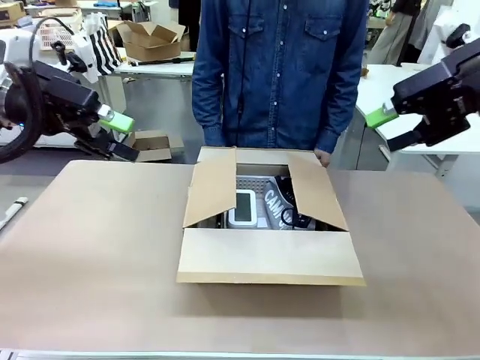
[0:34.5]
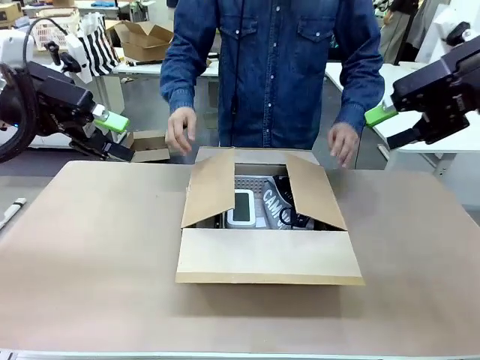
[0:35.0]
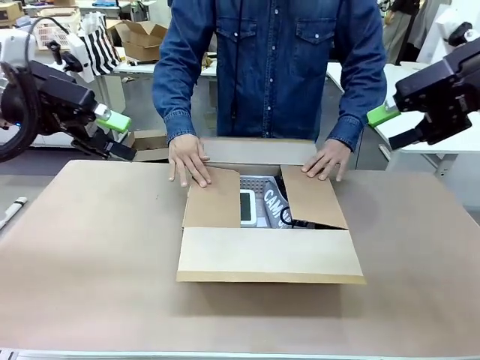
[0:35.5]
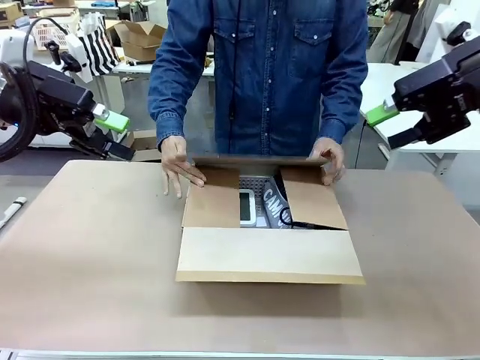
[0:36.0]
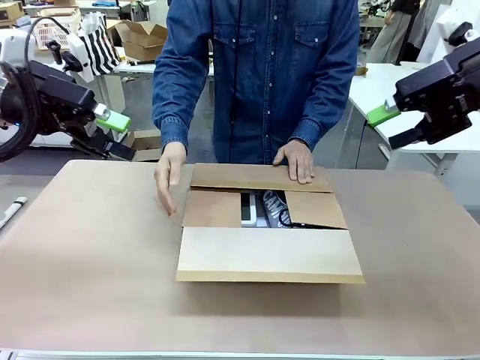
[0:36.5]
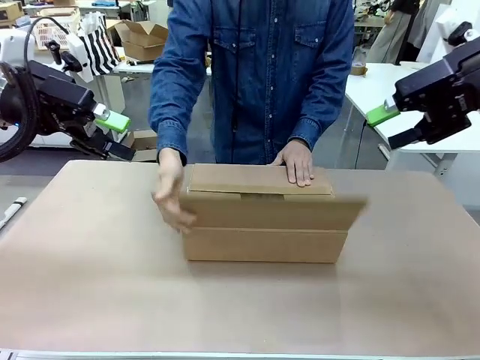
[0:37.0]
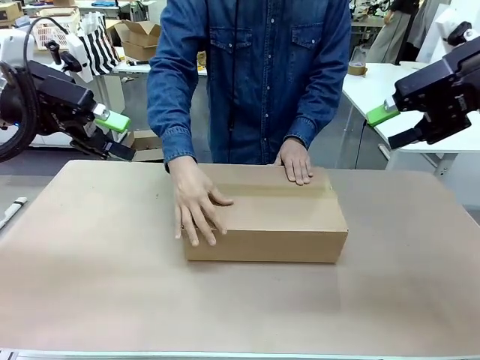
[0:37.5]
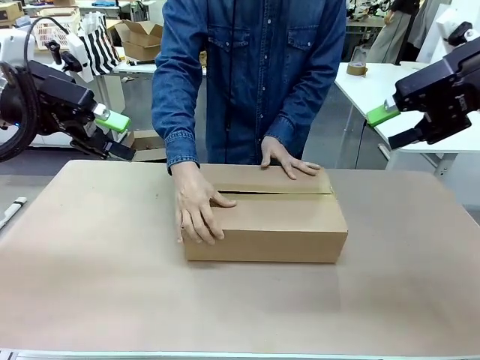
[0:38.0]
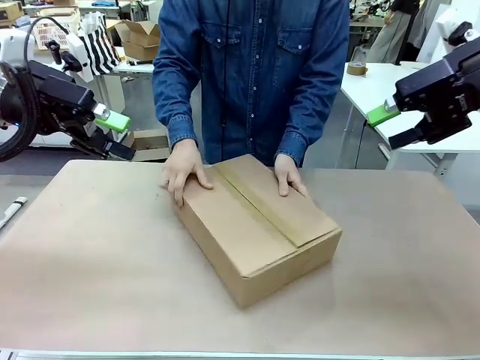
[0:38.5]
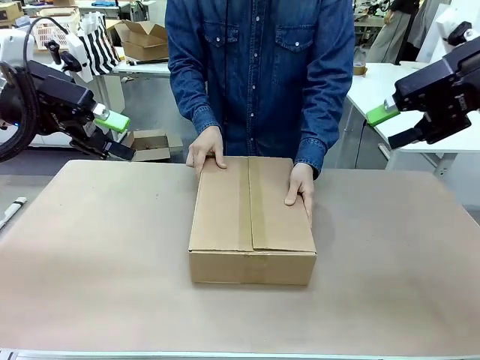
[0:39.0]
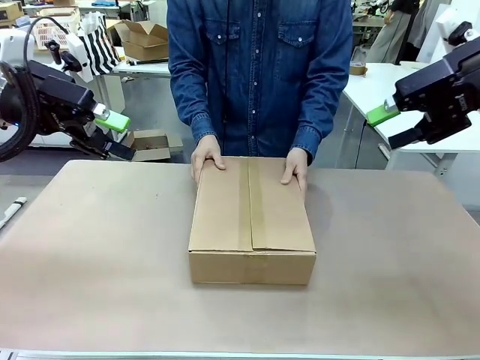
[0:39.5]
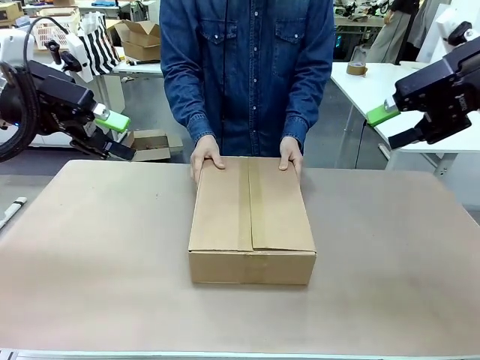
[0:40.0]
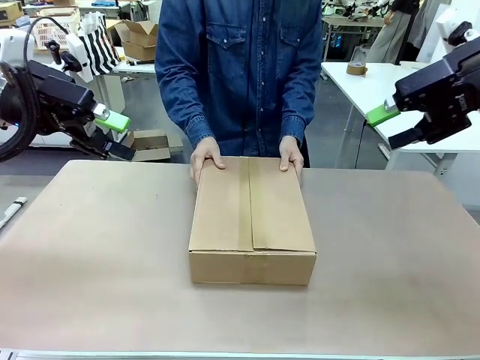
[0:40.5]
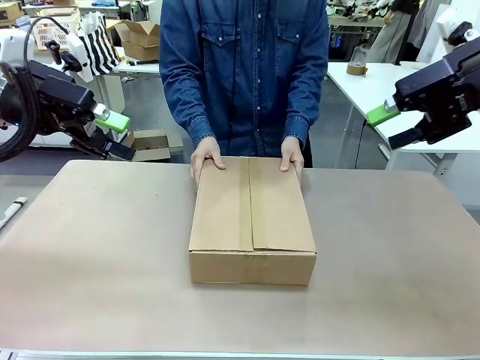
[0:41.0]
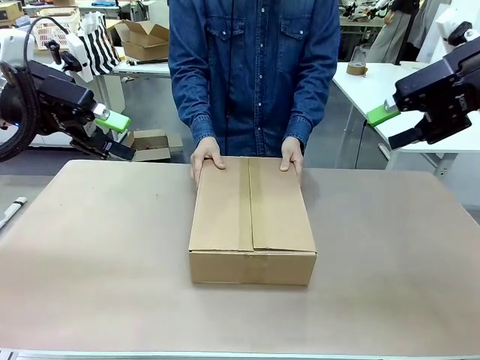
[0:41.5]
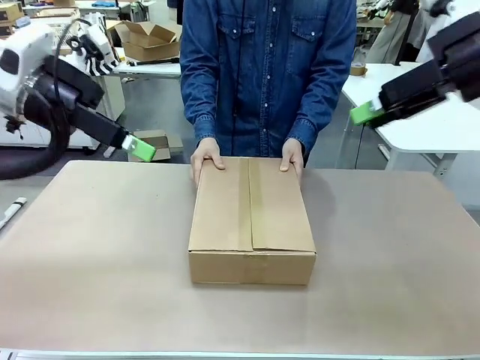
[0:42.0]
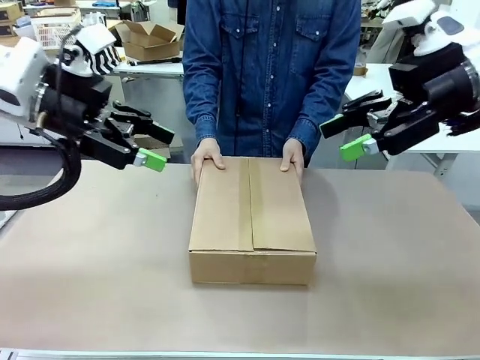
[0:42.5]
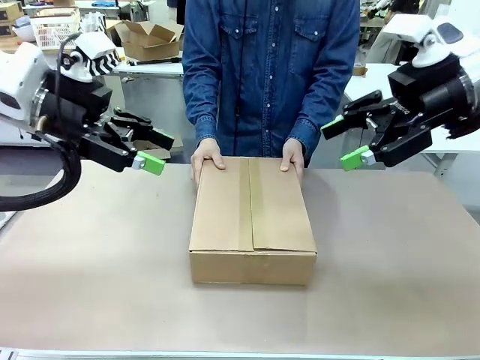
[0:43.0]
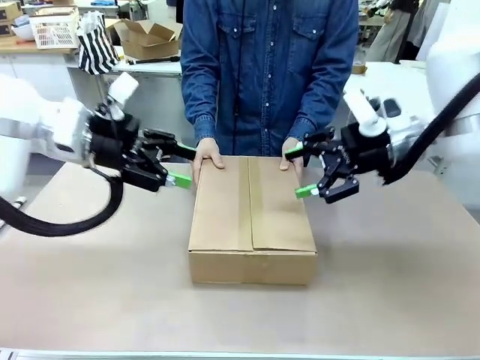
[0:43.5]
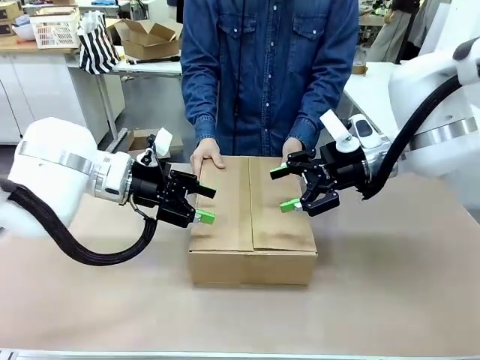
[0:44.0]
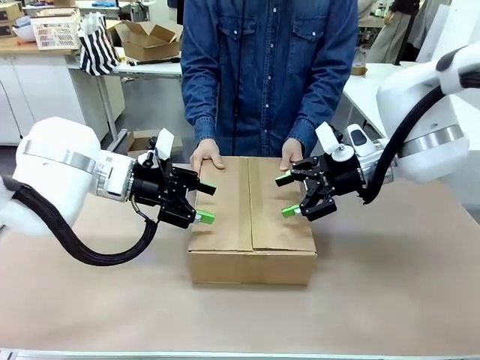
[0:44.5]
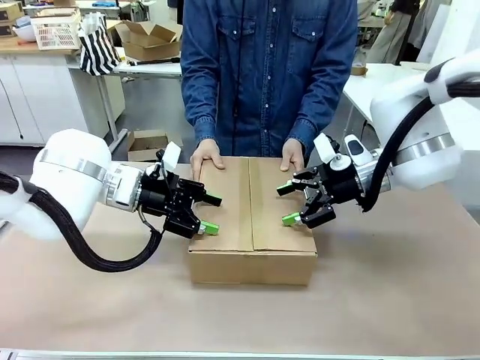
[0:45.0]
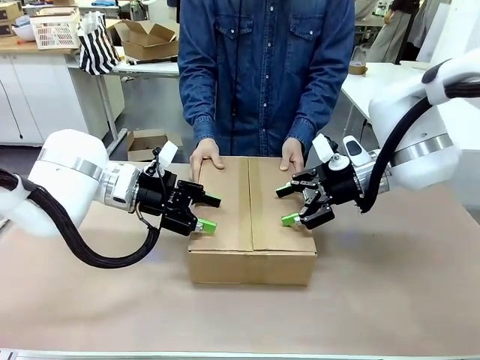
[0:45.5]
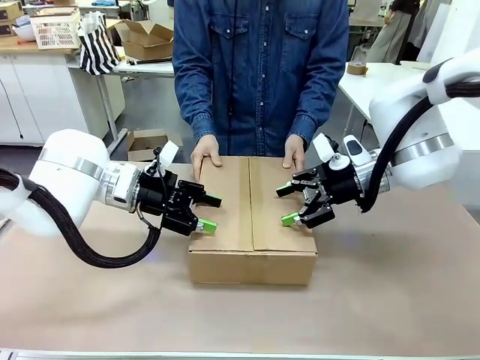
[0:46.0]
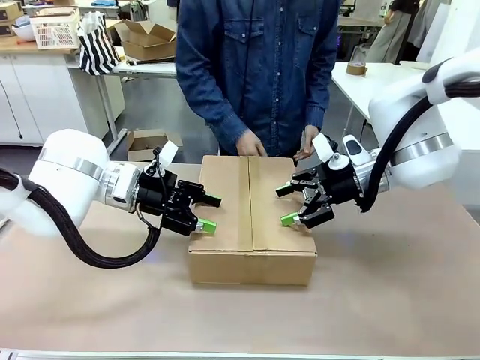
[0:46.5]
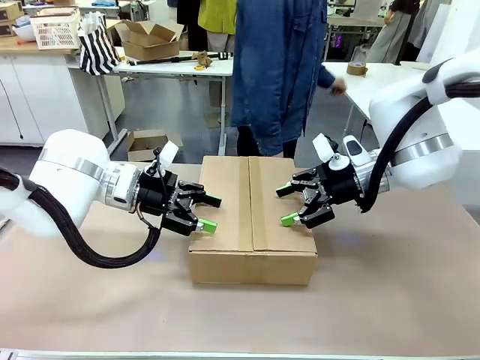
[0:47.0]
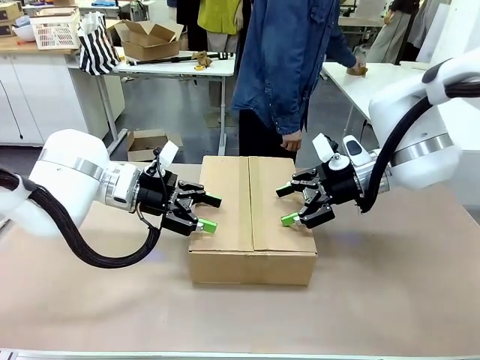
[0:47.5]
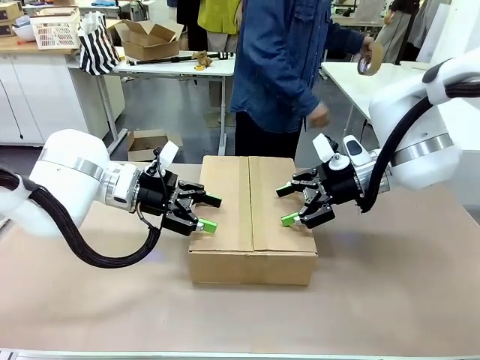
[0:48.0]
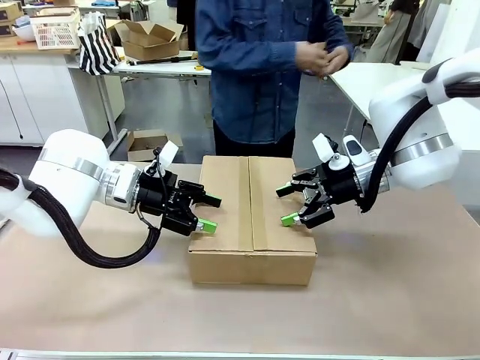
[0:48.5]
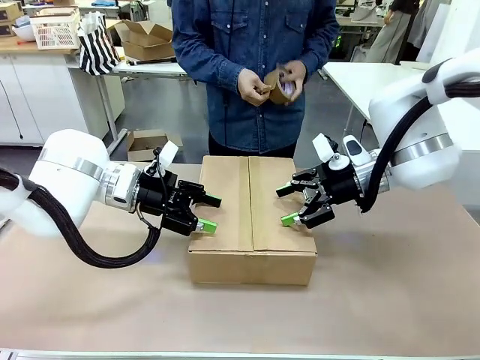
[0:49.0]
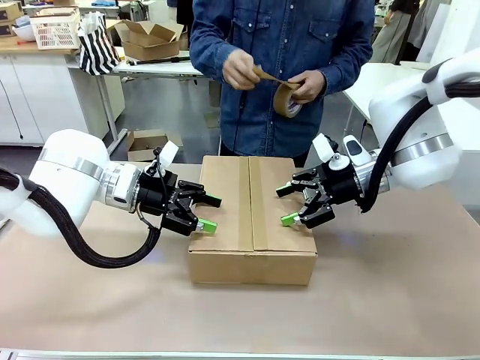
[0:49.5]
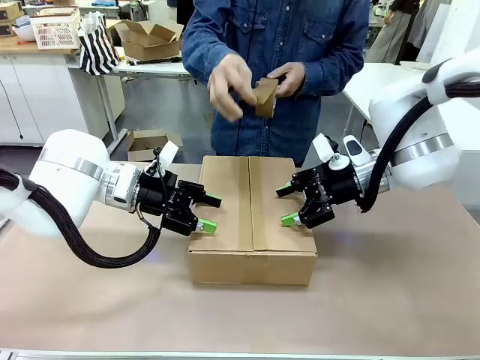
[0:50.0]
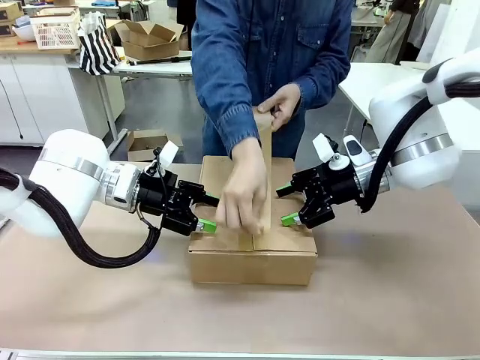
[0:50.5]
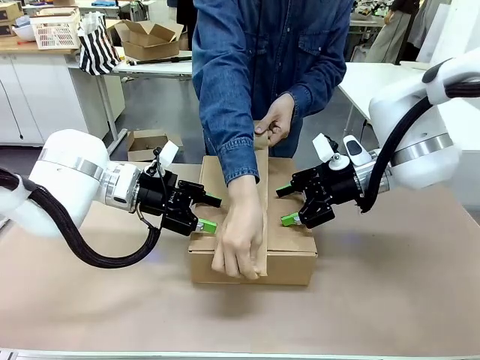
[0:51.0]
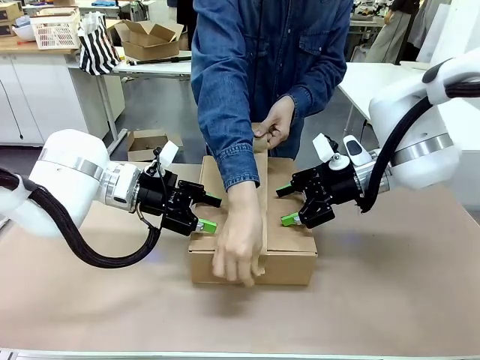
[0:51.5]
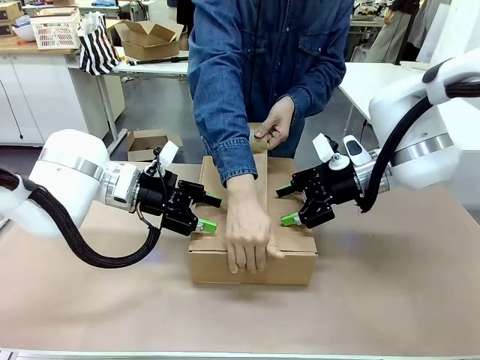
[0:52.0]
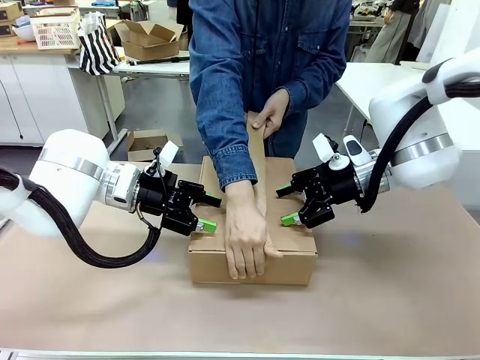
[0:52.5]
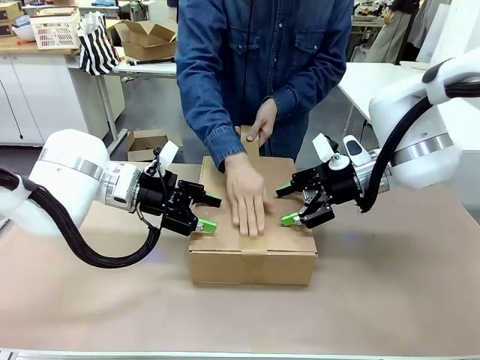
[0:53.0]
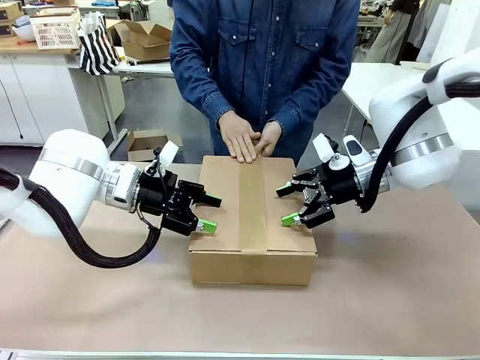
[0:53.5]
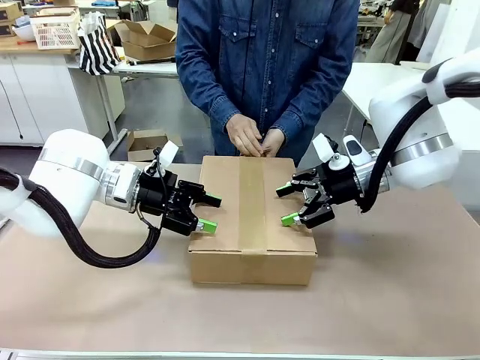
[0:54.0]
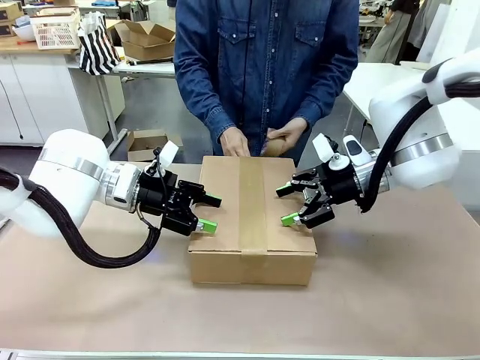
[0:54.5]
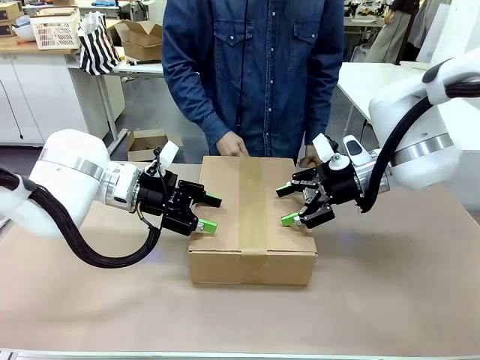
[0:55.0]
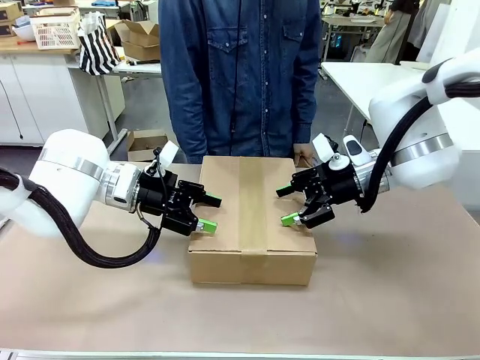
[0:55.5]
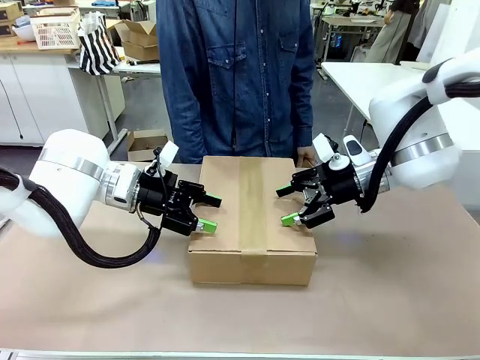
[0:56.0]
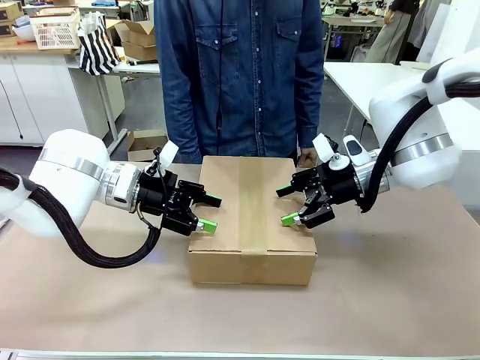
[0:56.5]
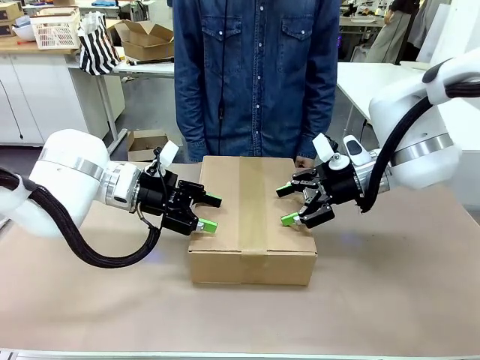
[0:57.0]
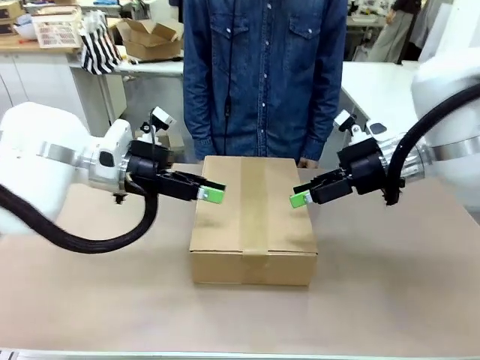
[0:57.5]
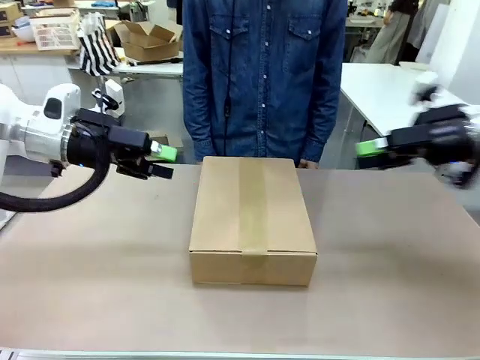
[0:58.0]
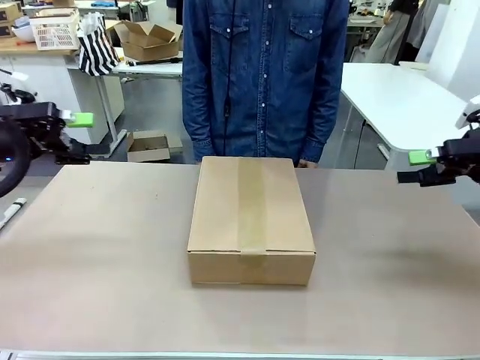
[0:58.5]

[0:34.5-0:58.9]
Task: Pack the gift set into the box.
Robot: Press and hold the closed box until the human finishes sealing it.
Person: The human closes the box and rotates the box by 90 degrees. The human picks up the paper tape from the human table and packs the box.
